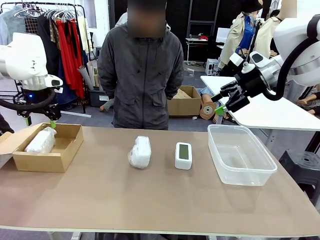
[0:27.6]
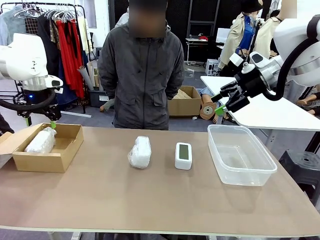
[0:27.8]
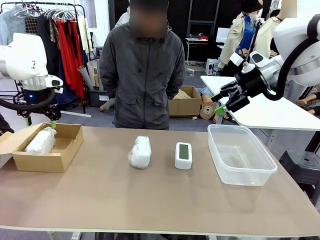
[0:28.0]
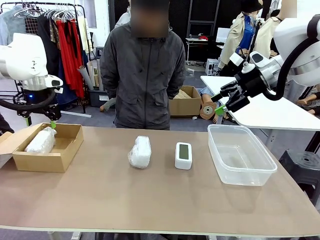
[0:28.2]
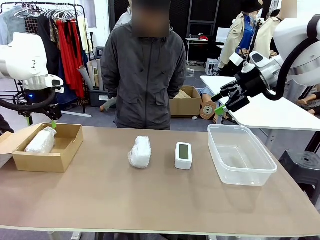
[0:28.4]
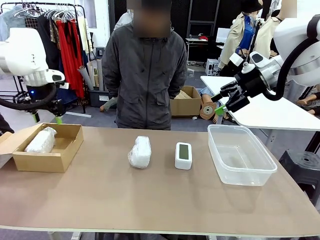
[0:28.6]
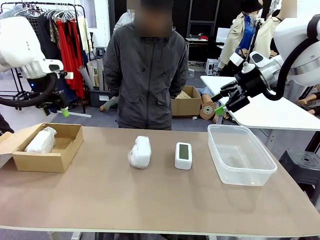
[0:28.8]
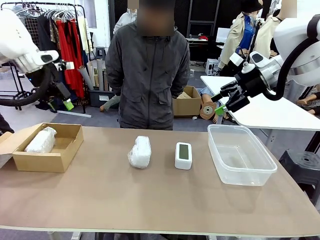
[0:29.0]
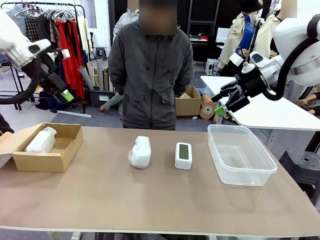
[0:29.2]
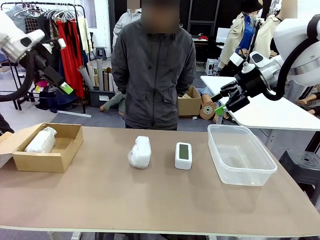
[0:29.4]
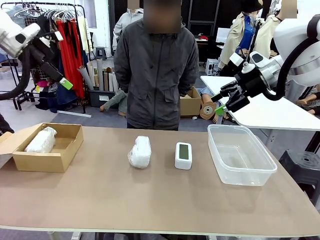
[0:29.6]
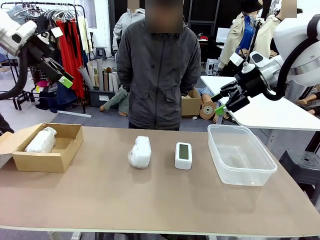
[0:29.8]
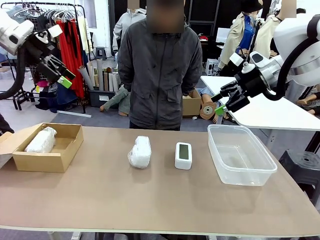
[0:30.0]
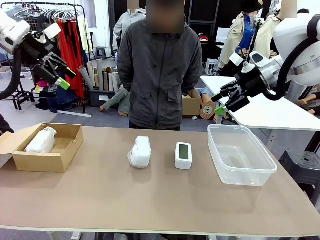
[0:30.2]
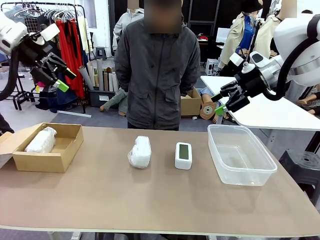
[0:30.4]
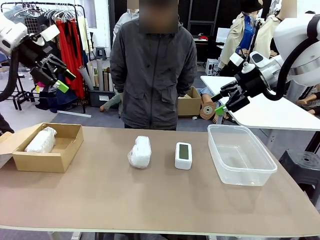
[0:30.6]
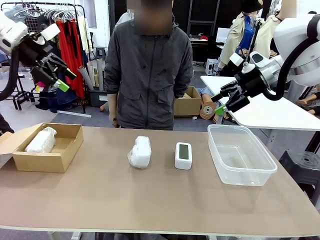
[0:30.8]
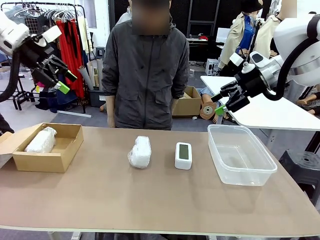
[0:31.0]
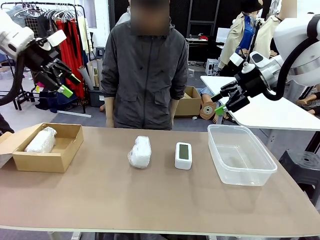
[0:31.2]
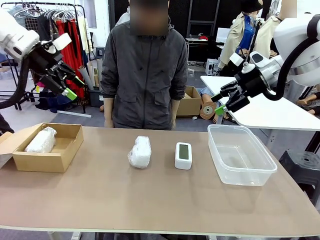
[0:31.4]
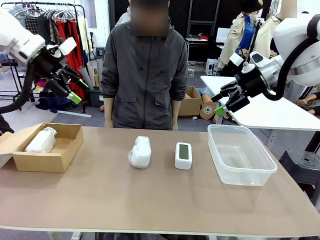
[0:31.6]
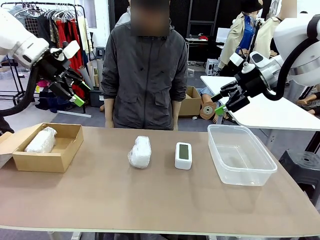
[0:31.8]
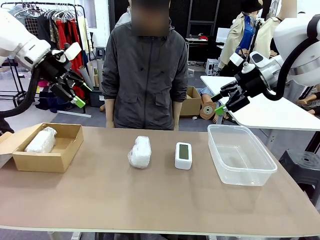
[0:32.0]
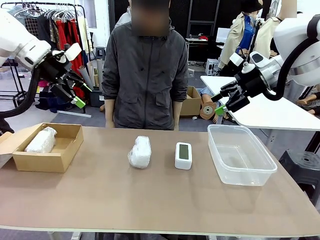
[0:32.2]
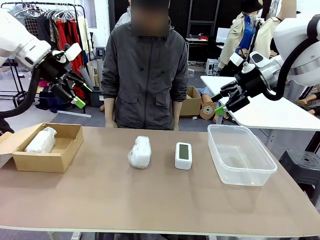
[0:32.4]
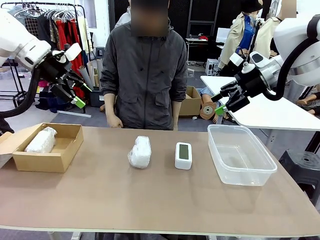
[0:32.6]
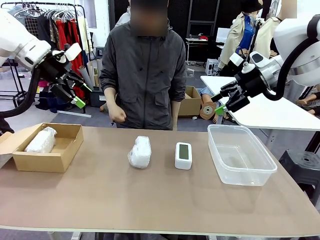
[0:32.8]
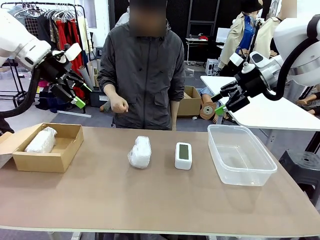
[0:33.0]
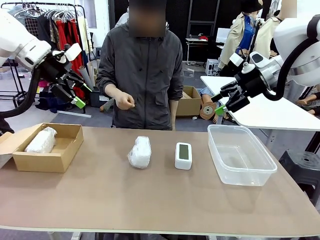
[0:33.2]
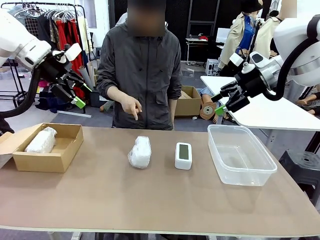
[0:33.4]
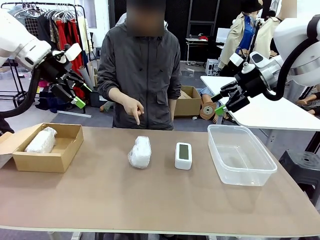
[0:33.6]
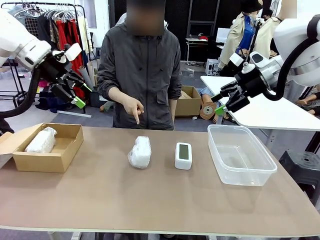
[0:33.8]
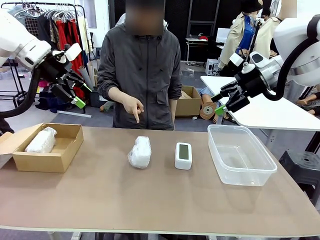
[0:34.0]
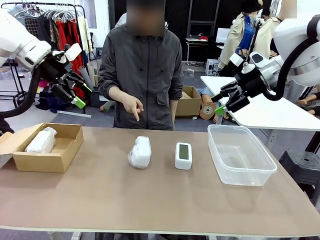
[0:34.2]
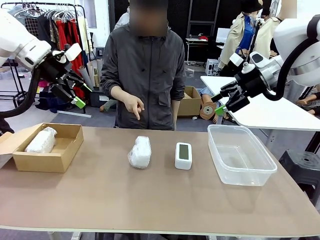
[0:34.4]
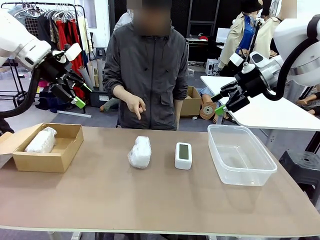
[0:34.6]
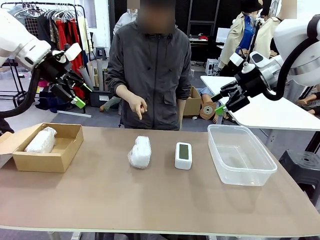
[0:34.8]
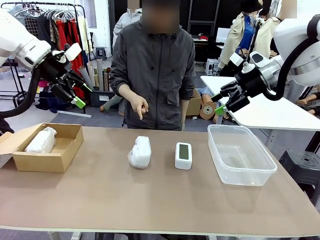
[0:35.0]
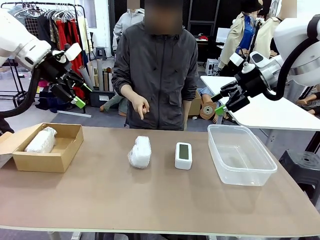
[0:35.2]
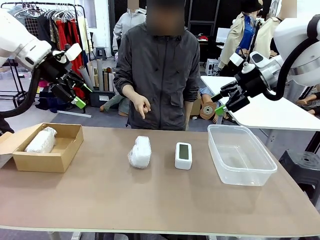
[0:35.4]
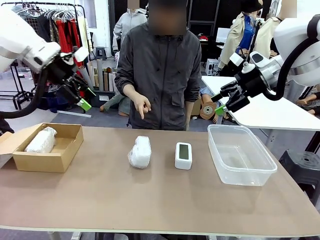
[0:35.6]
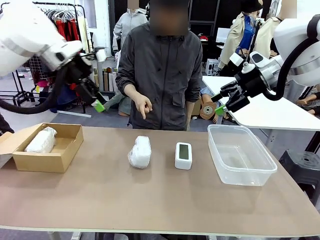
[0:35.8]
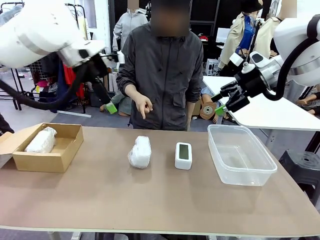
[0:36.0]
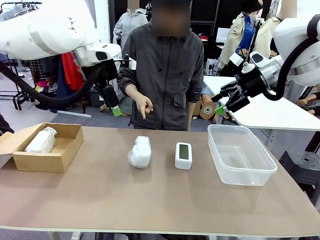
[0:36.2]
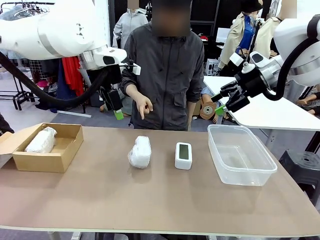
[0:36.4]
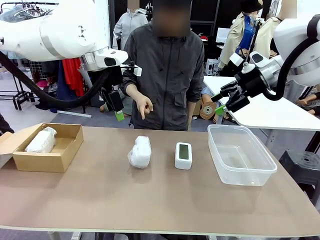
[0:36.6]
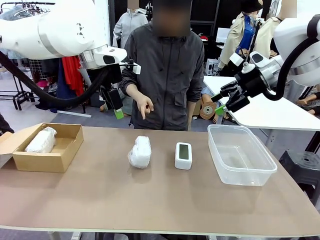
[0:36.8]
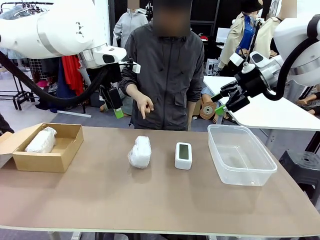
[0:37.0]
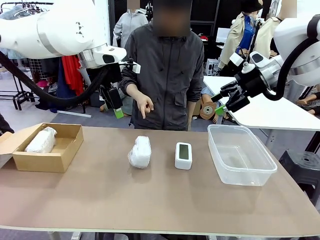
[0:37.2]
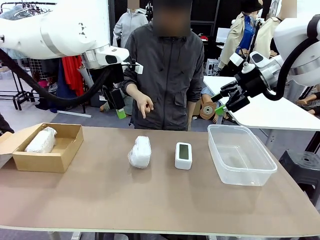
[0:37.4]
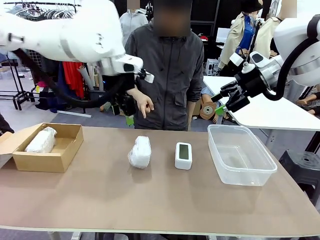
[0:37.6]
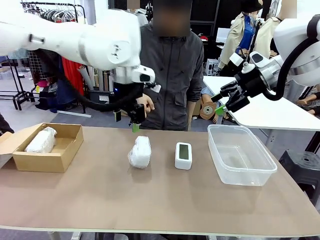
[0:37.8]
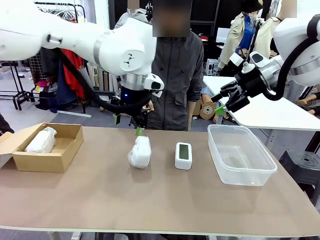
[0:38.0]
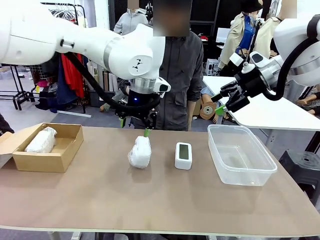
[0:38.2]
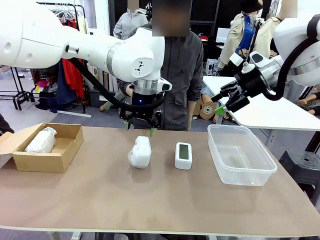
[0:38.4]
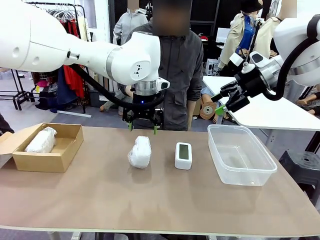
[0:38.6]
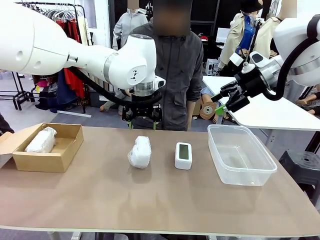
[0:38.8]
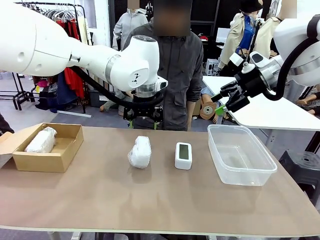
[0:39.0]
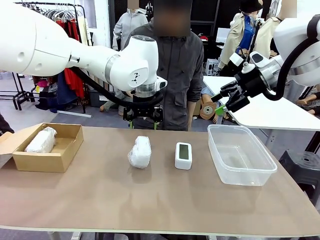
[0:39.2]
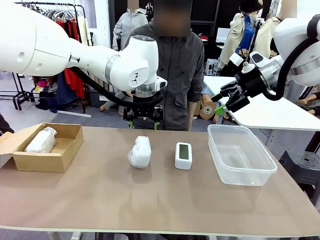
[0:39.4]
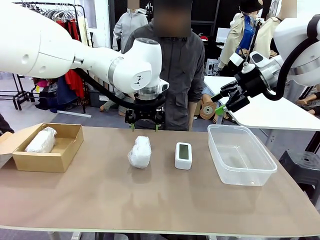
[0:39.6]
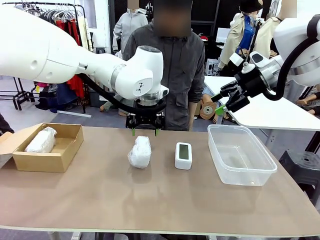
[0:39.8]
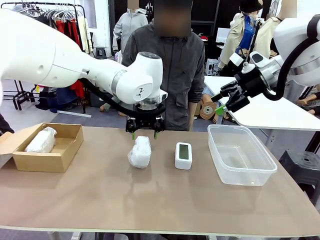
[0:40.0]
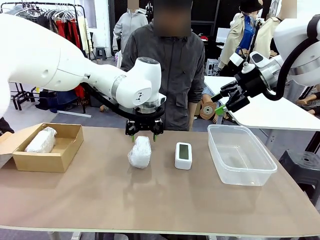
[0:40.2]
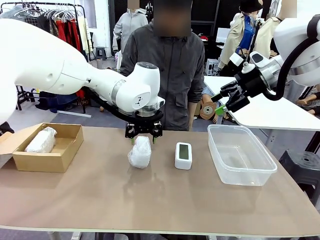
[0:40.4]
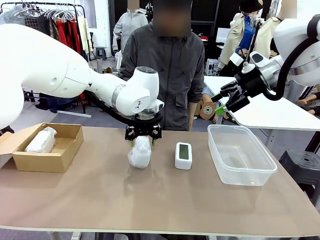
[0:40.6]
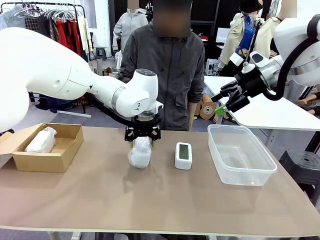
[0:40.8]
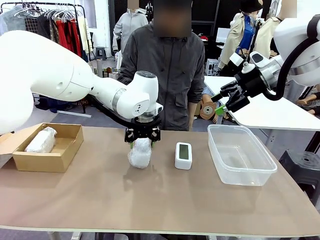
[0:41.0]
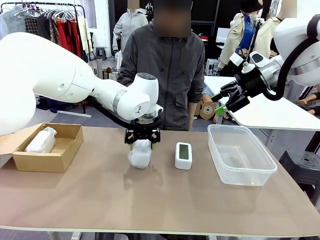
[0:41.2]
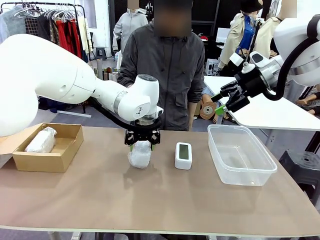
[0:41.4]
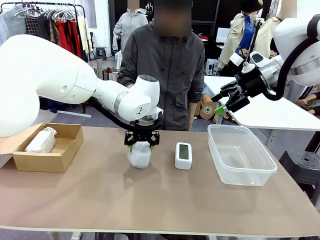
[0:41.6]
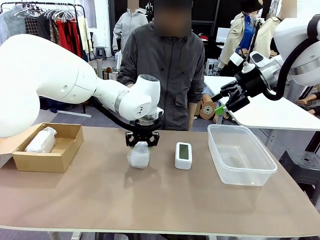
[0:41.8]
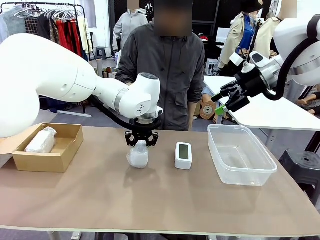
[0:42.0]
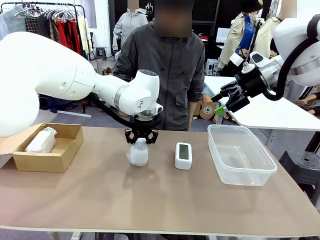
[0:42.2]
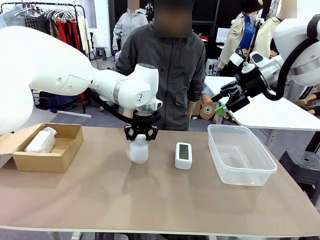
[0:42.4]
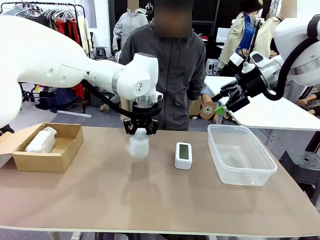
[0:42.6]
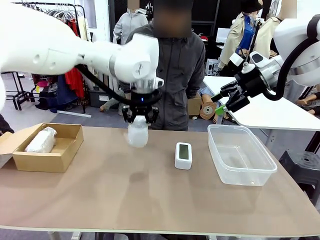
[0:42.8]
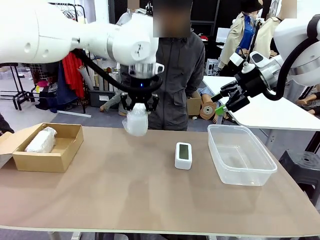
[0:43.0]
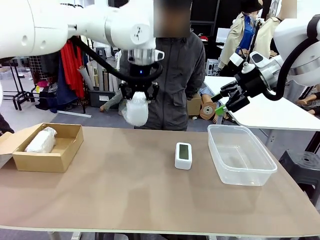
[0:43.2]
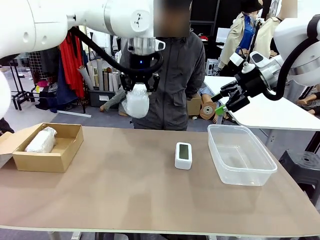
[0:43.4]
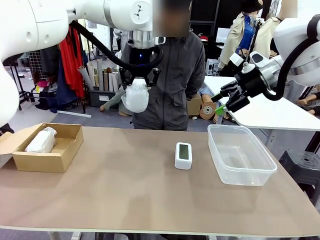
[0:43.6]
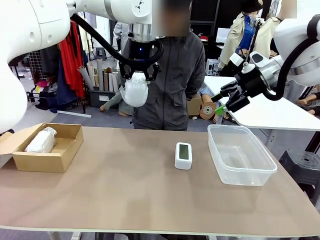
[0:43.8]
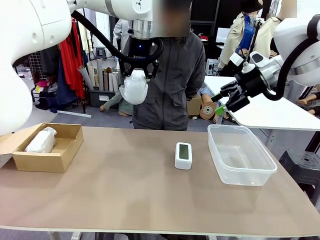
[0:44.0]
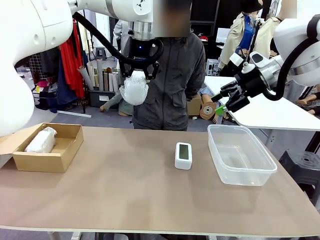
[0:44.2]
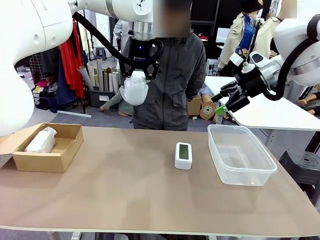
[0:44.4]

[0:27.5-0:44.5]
Task: Separate and place wrapped and unwrapped clocks.
Robot: Pick up the Digital clock indicated by the person.
